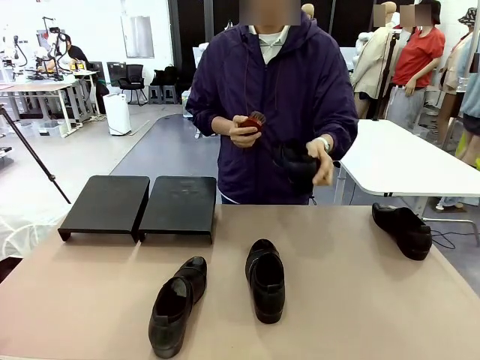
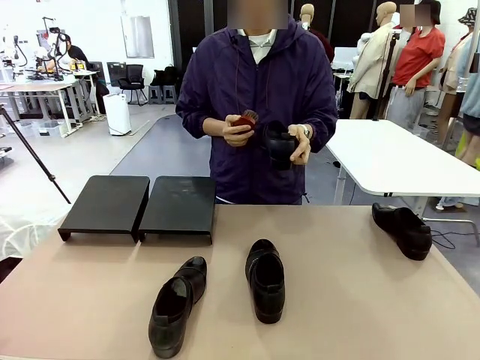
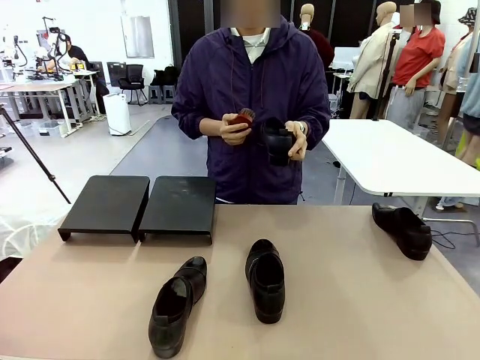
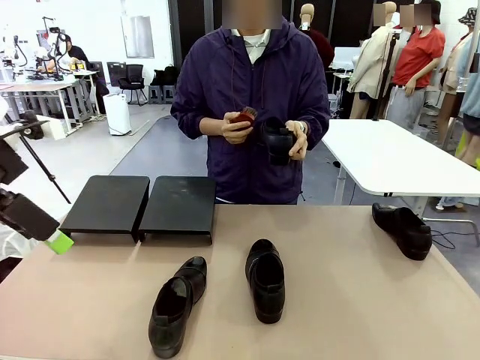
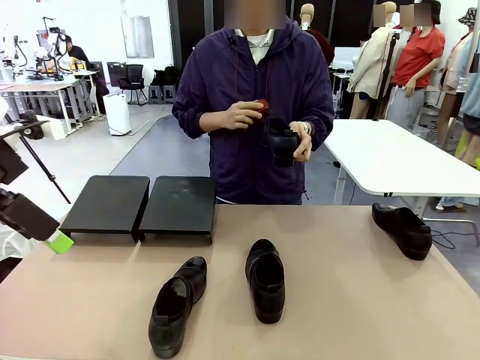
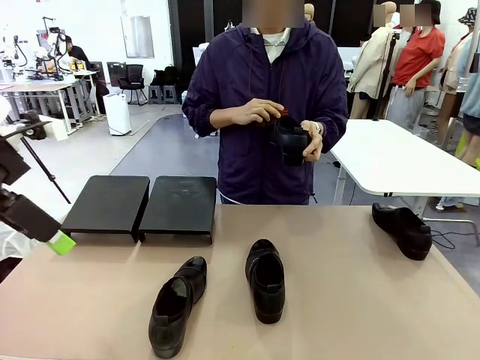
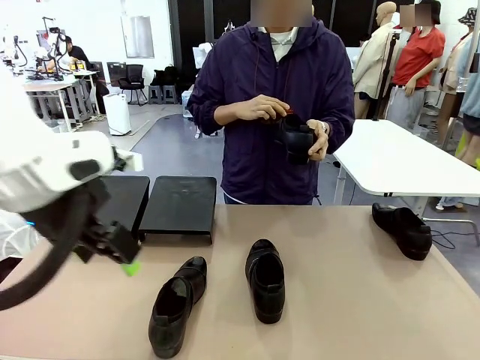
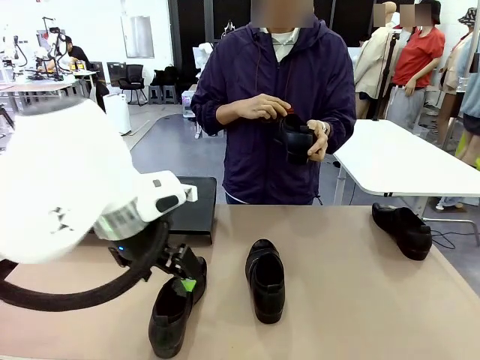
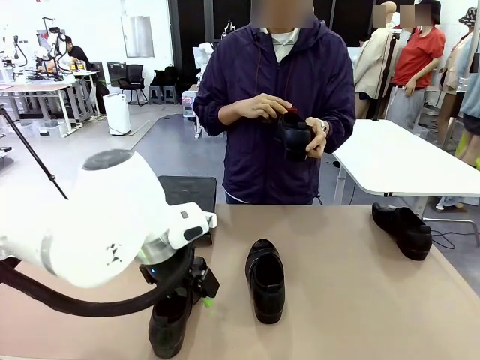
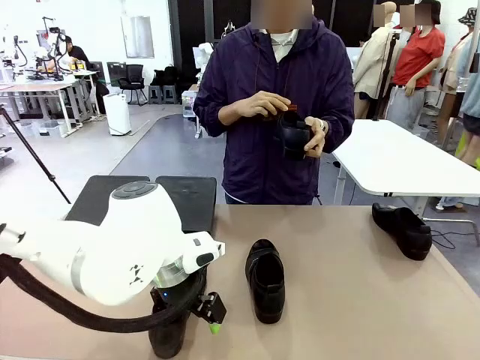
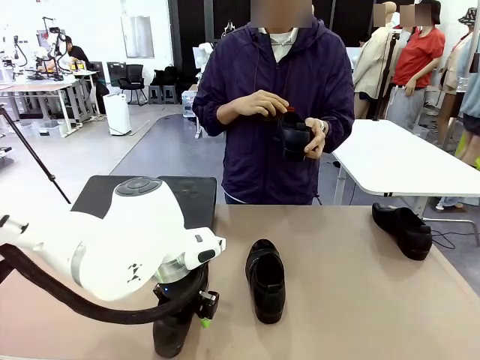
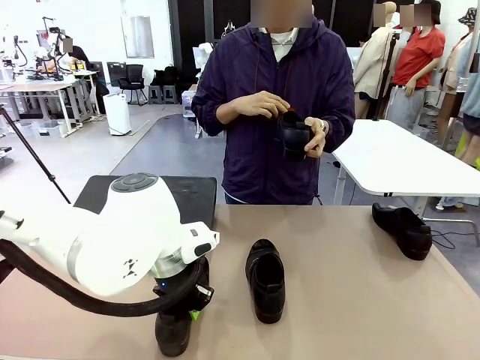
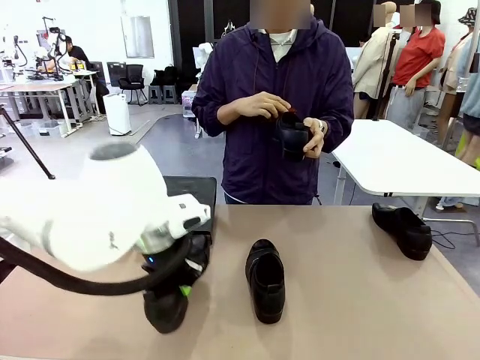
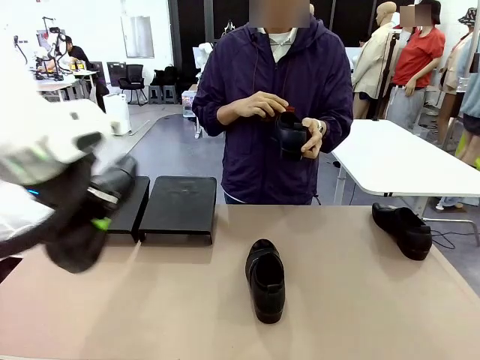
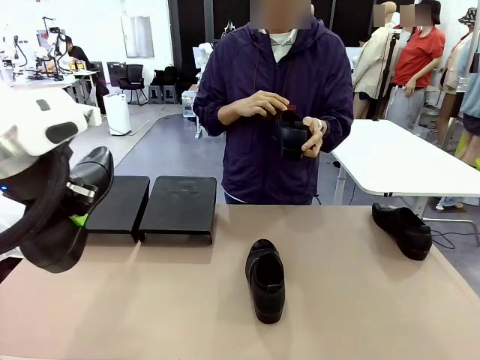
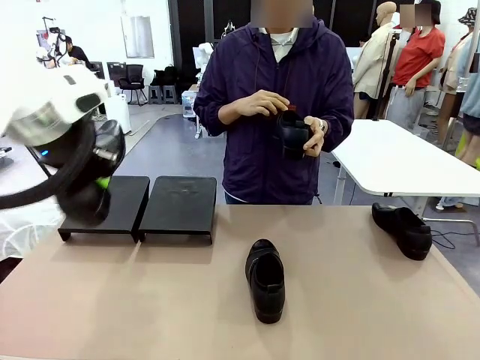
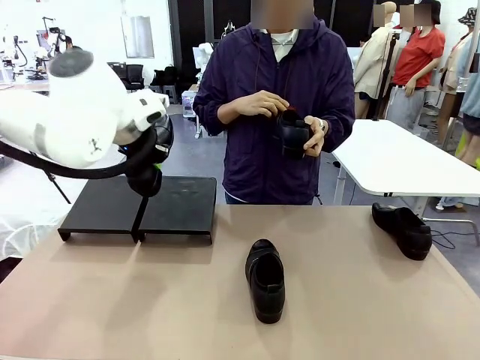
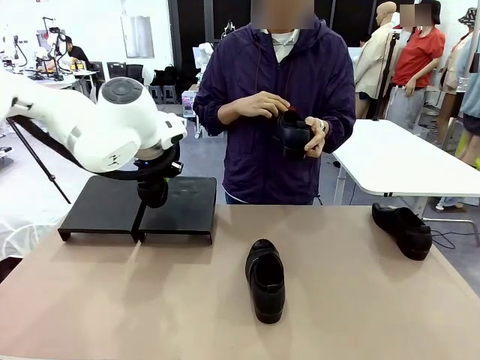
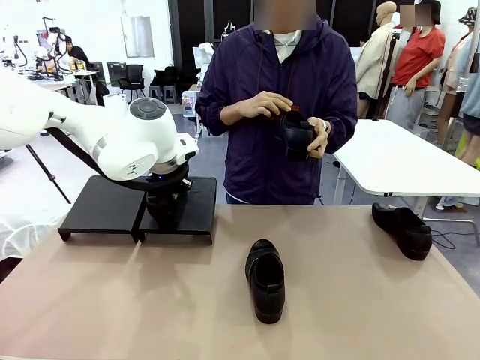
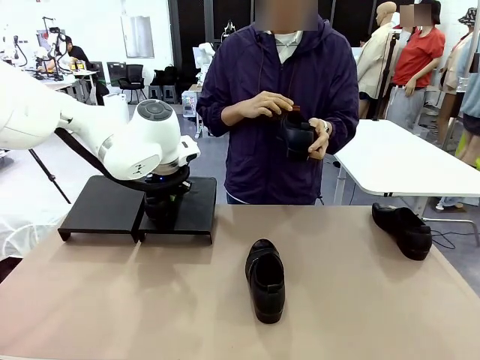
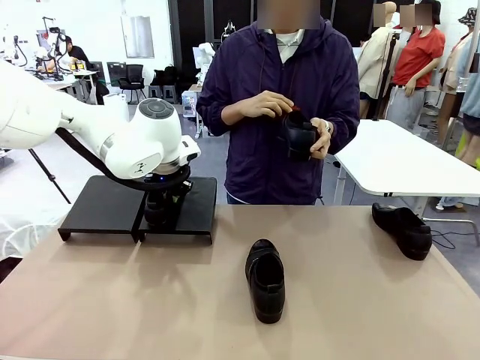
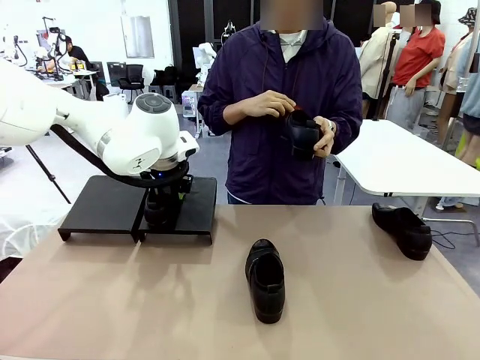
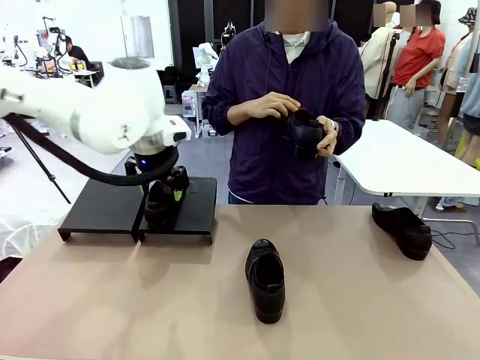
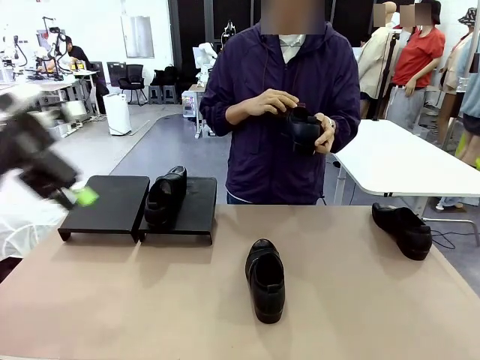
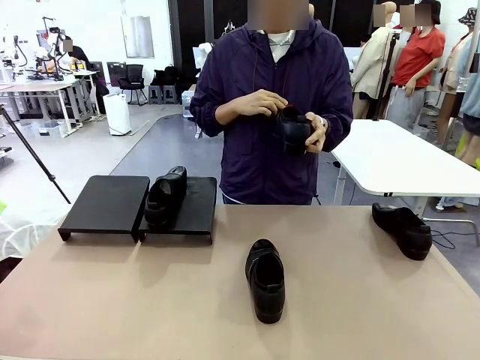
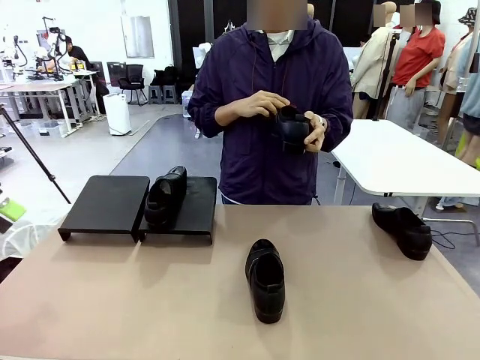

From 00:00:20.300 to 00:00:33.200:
Task: Organize the shoes by placing them on the stand.
Robot: Place the Shoe from the middle of the table onto the Shoes Stand.
Person: Clean the Shoe with the Shoe Brush.

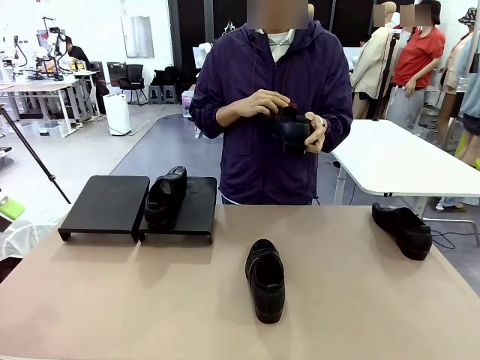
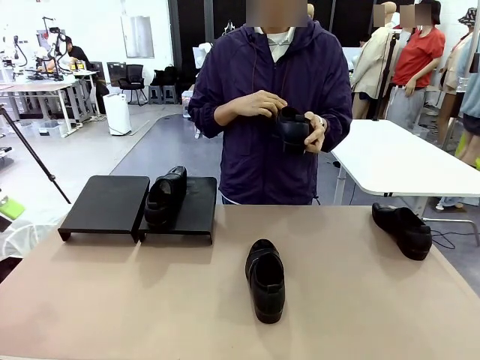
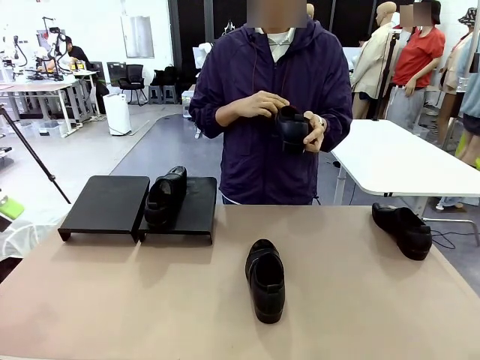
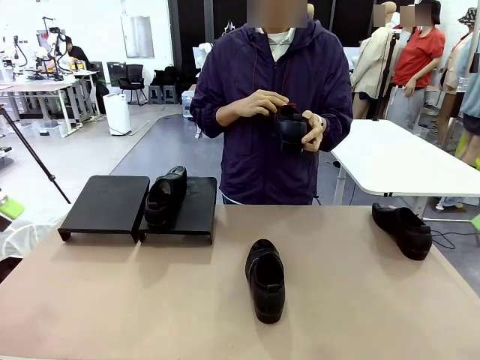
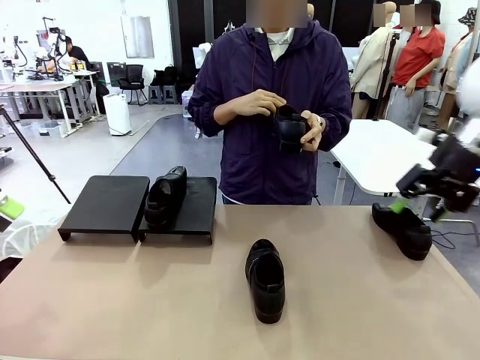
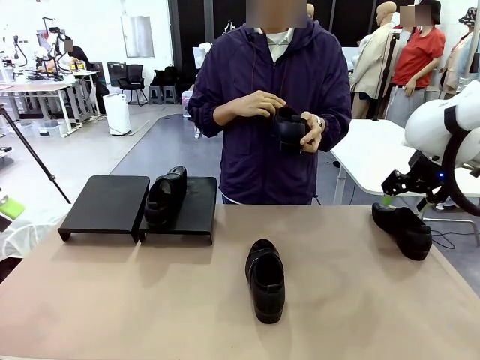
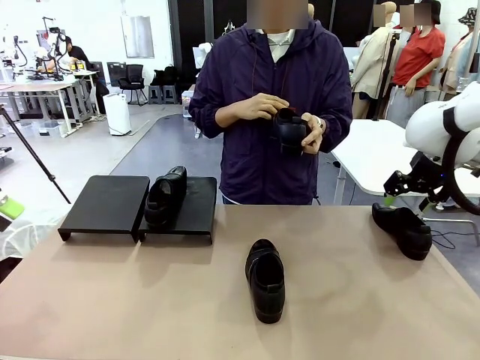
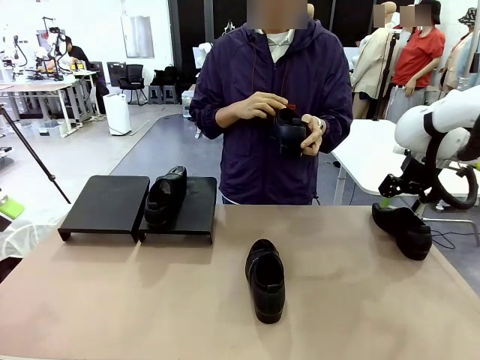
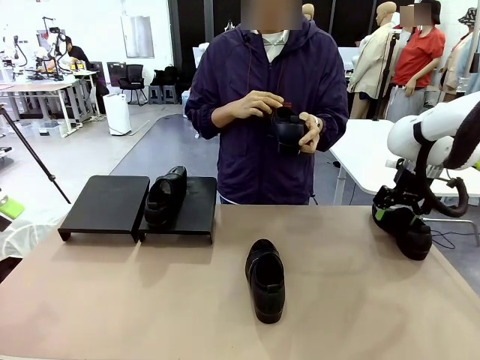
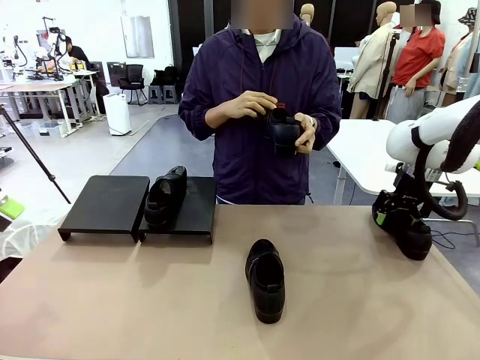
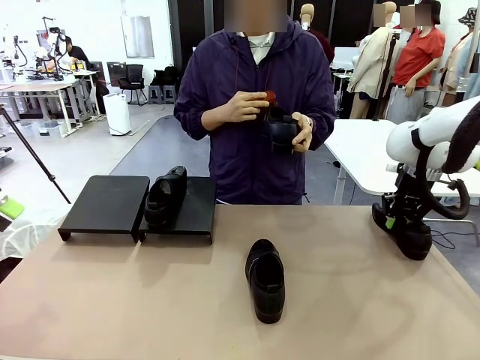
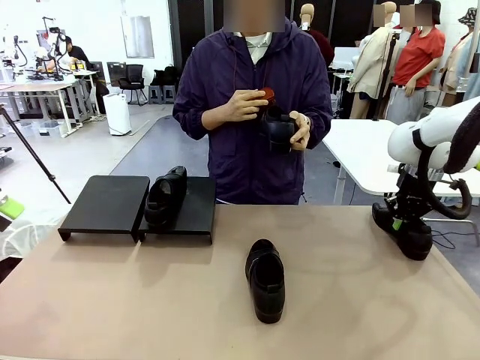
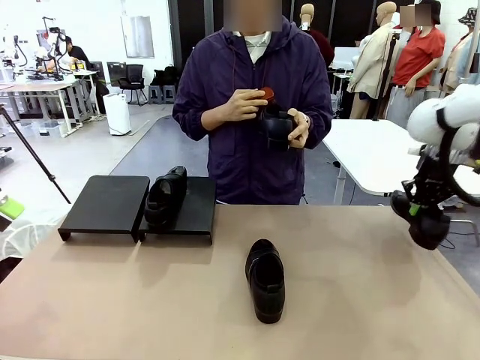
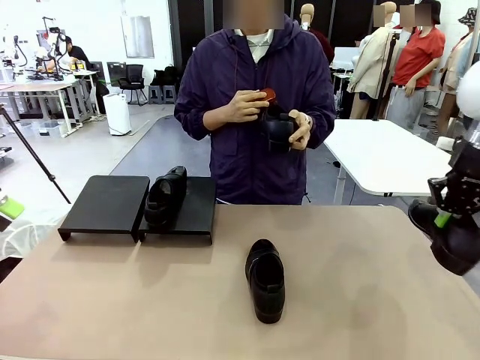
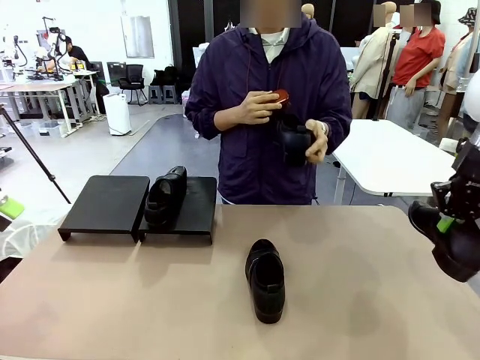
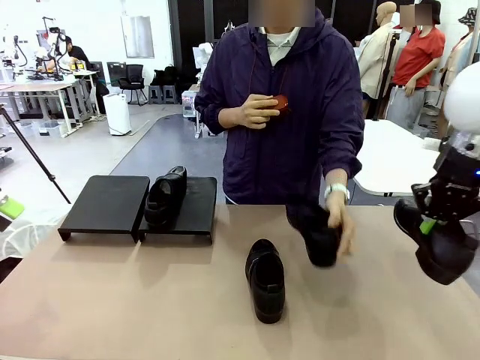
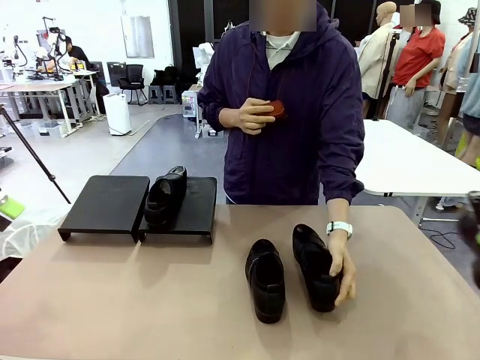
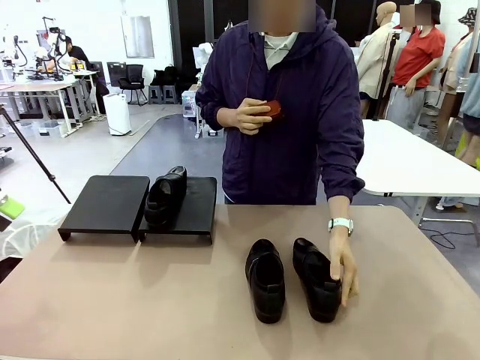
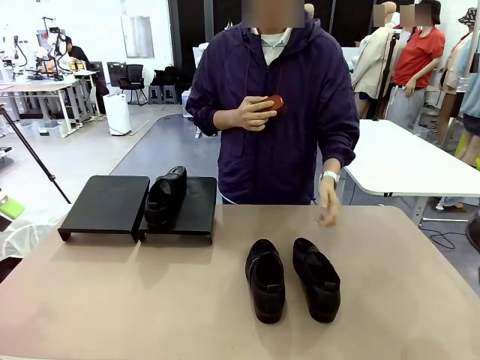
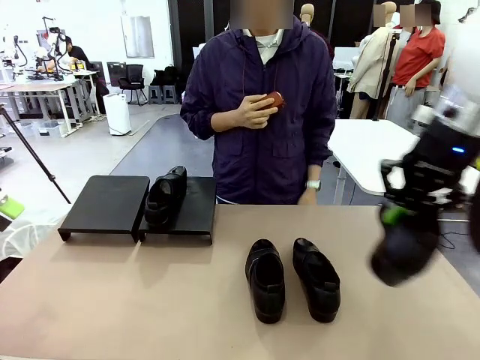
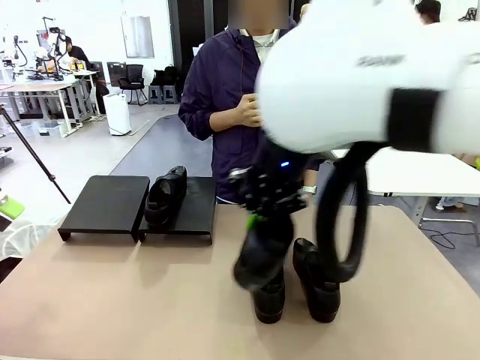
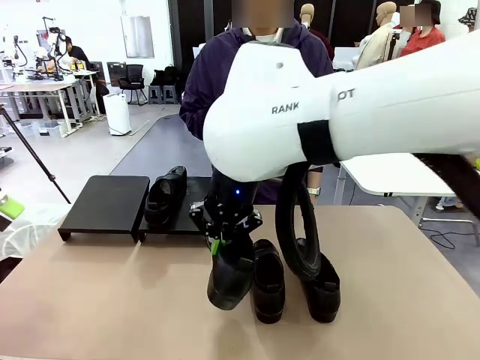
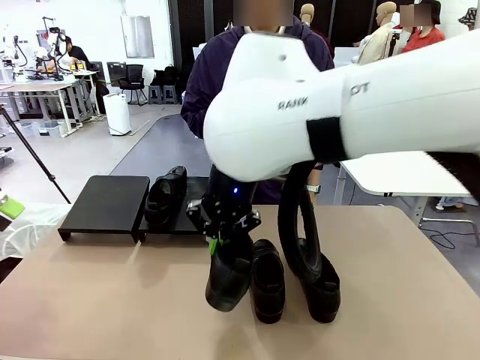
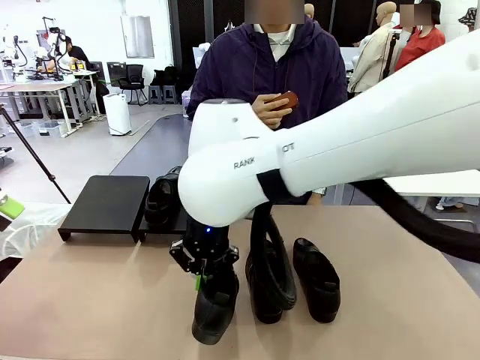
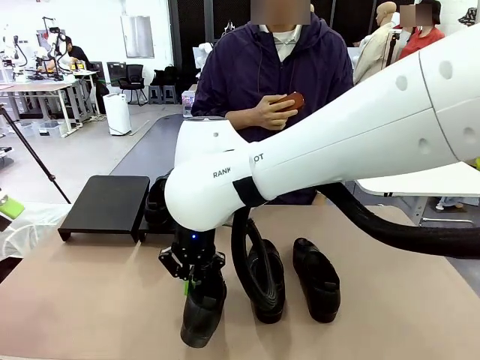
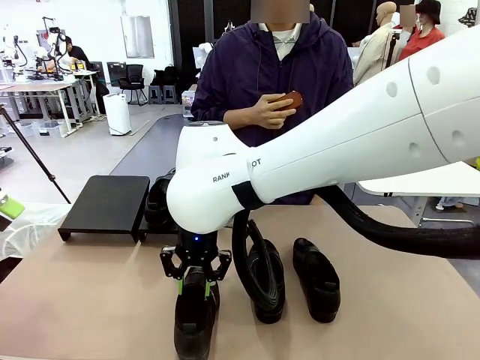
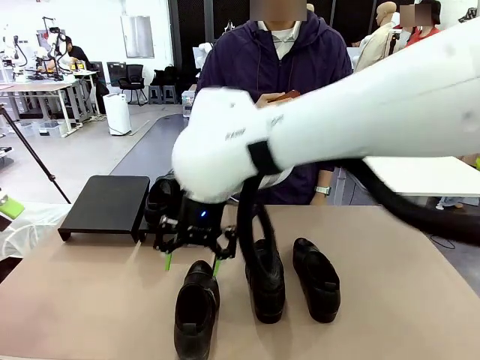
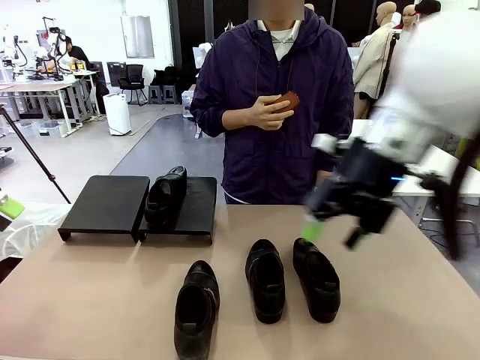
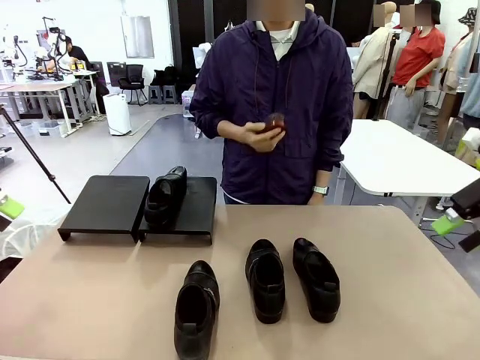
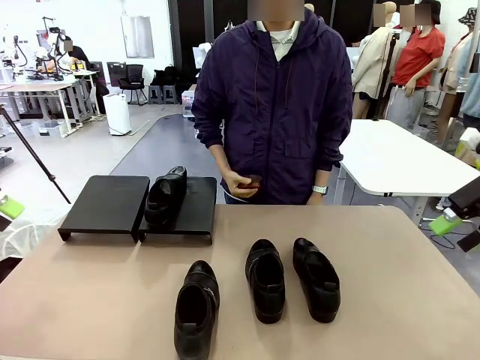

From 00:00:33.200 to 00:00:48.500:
Robot: Pick up one Shoe and place it in the middle of the table.
